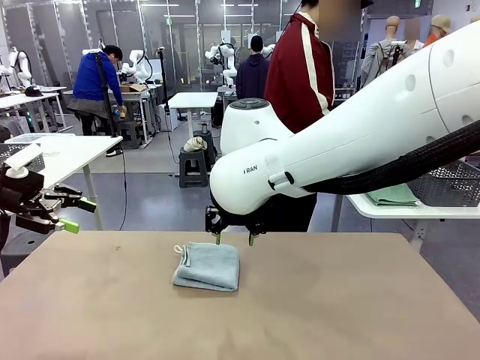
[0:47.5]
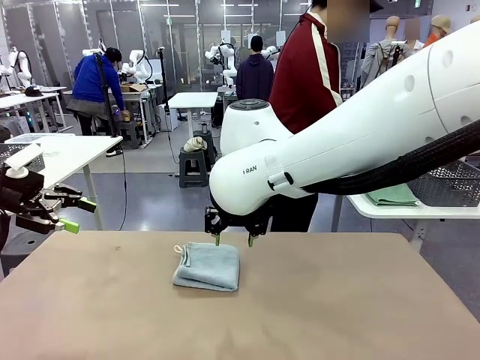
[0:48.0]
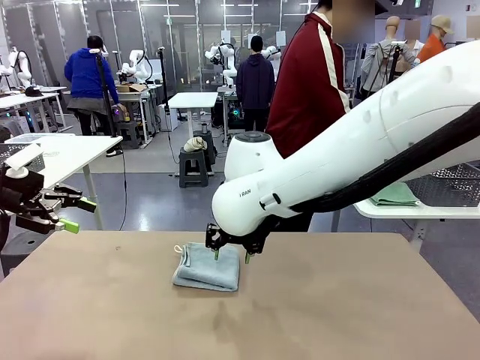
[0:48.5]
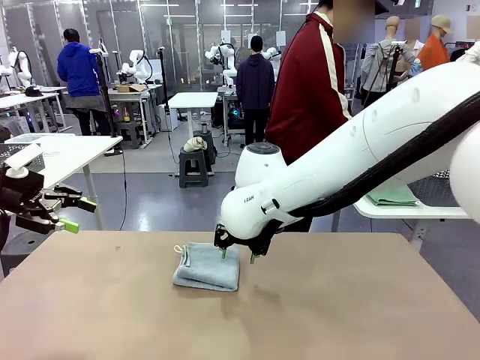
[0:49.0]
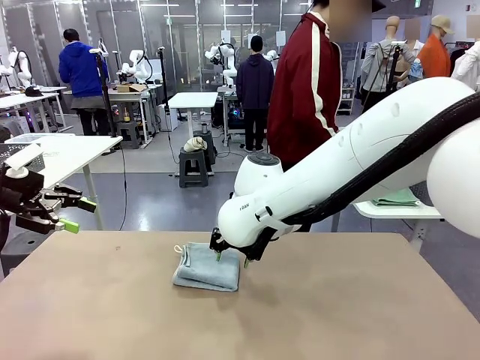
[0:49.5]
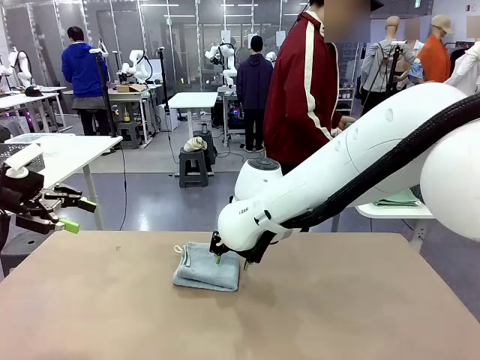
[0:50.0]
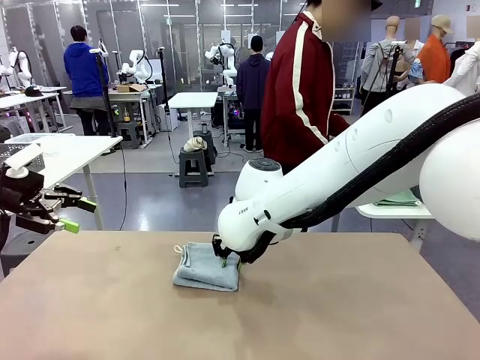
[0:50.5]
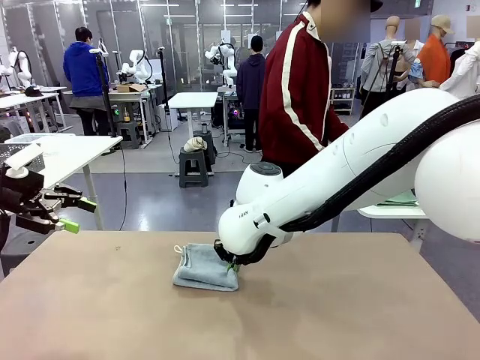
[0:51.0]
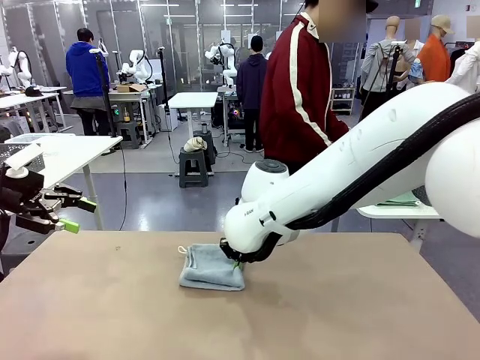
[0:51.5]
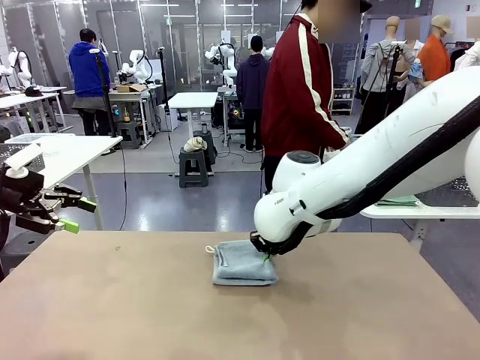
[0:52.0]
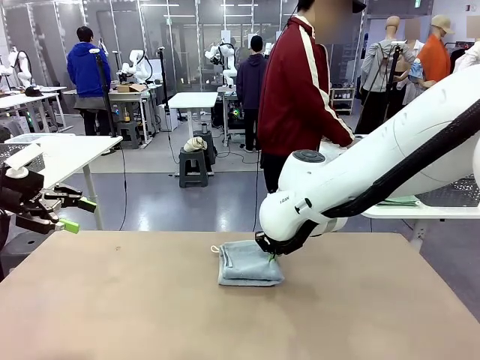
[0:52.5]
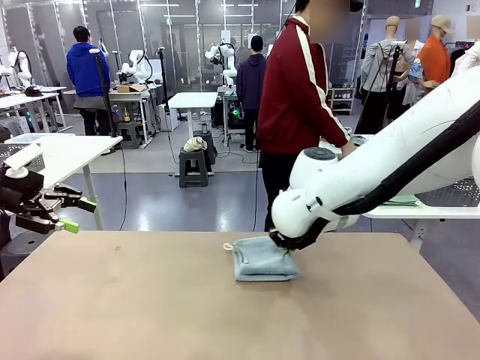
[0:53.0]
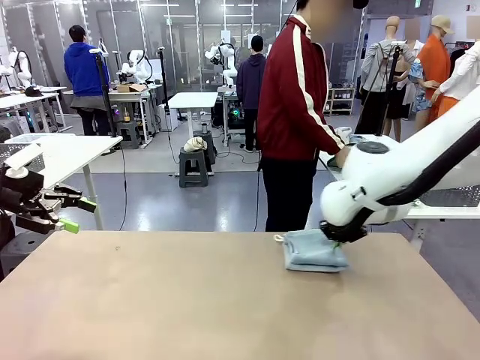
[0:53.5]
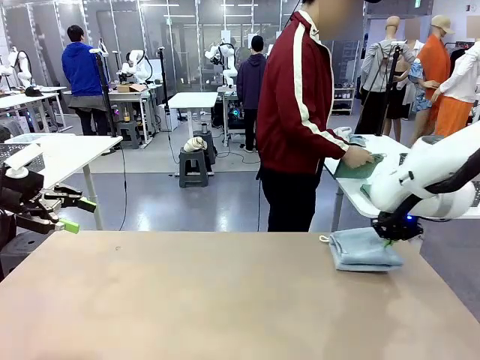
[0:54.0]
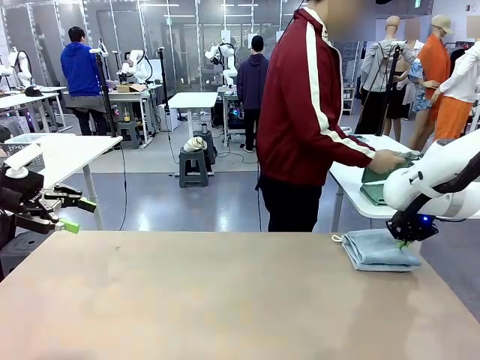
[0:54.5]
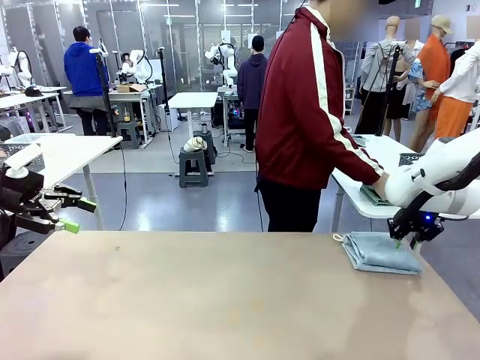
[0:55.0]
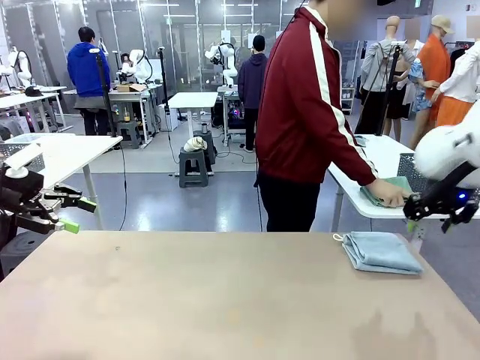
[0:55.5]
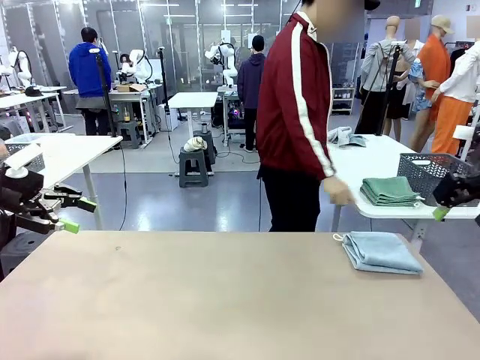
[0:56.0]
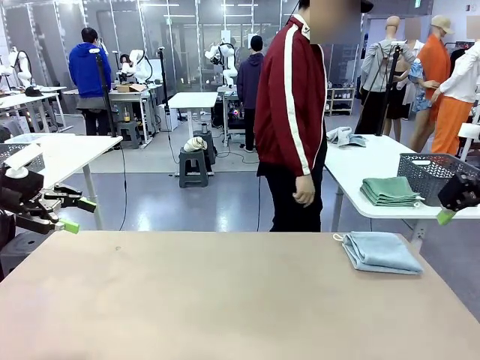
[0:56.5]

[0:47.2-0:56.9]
Task: Fold the towels and place them in the basket.
Robot: Place the folded Towel with hook on the right side of the table.

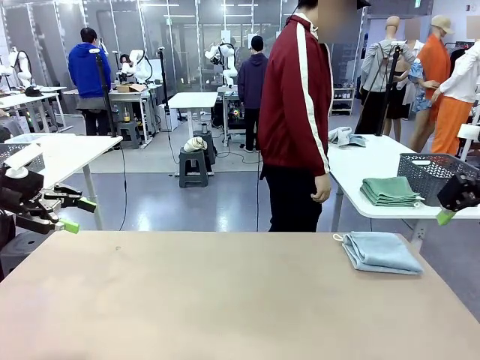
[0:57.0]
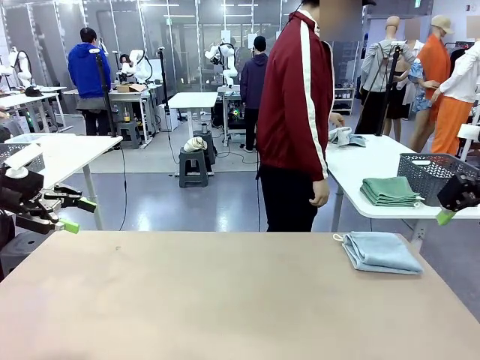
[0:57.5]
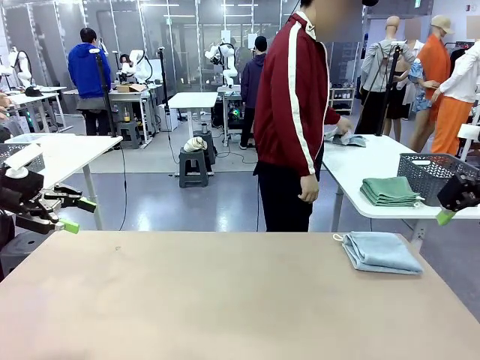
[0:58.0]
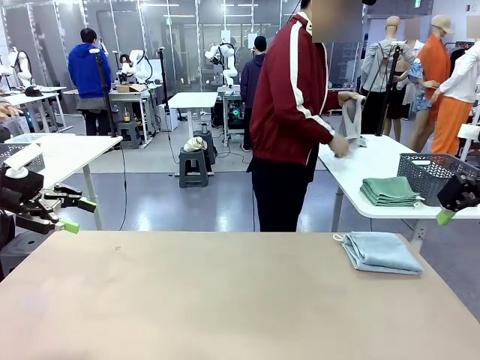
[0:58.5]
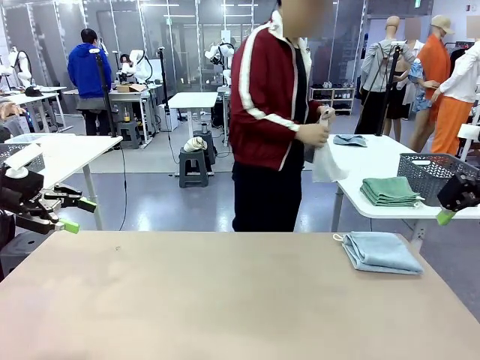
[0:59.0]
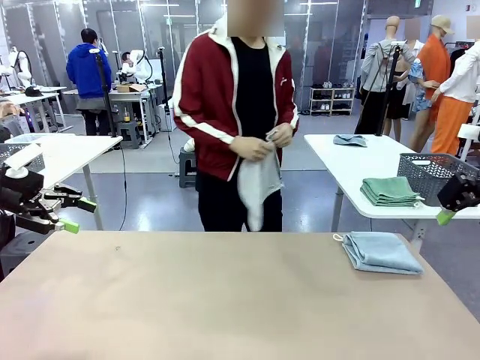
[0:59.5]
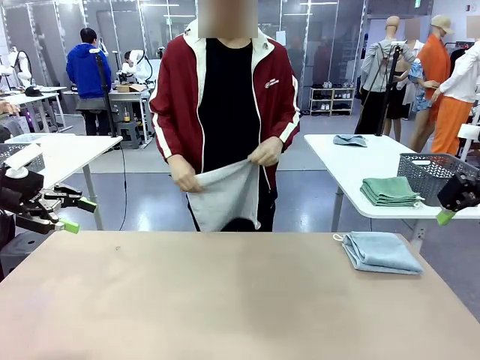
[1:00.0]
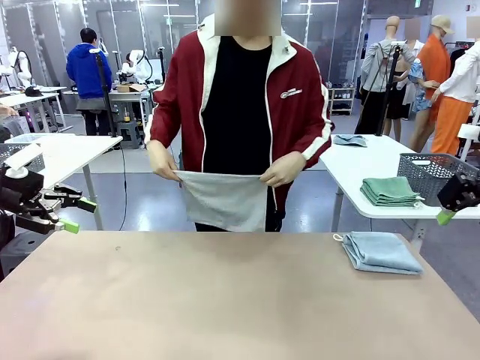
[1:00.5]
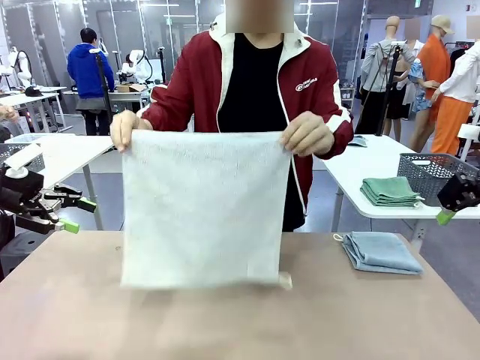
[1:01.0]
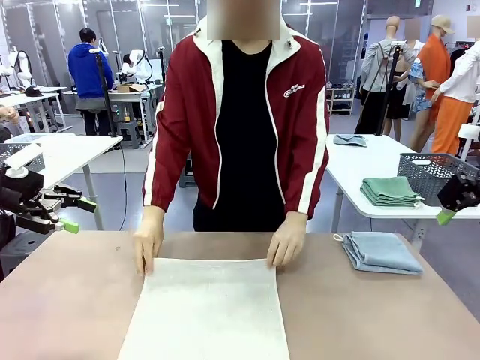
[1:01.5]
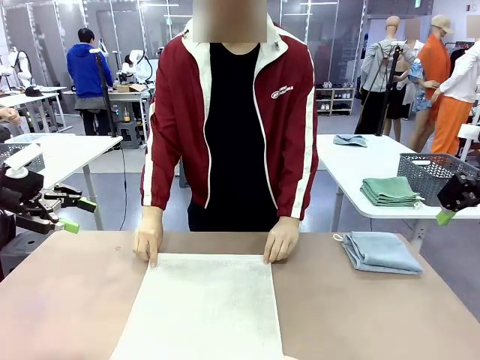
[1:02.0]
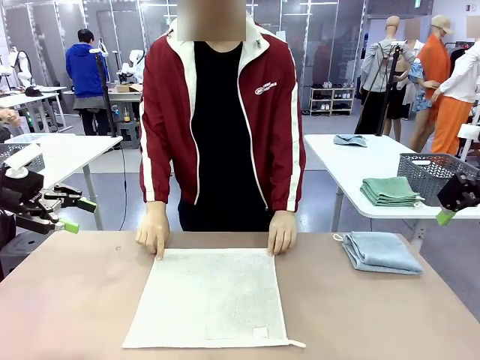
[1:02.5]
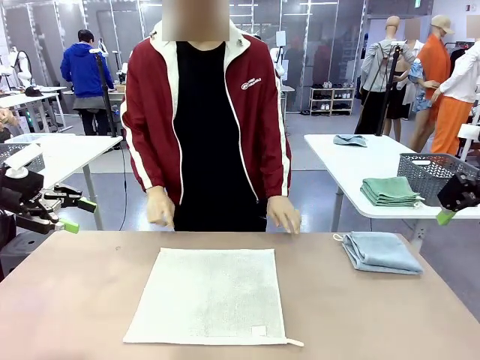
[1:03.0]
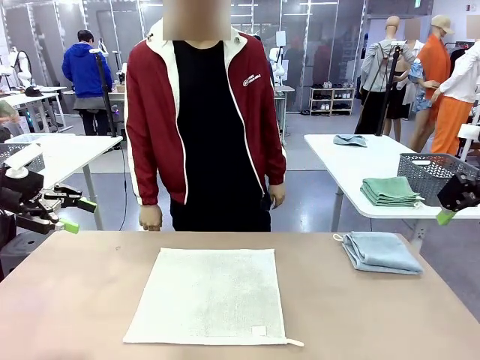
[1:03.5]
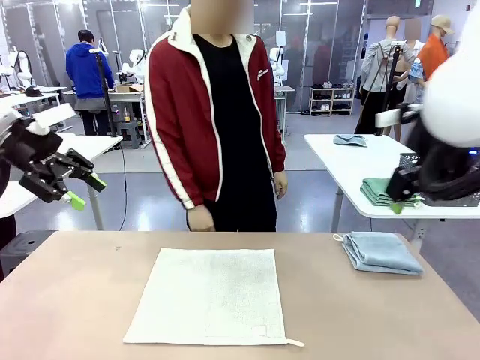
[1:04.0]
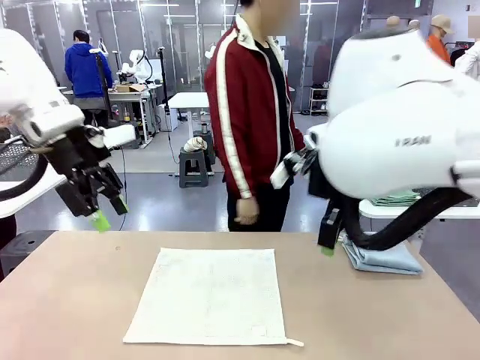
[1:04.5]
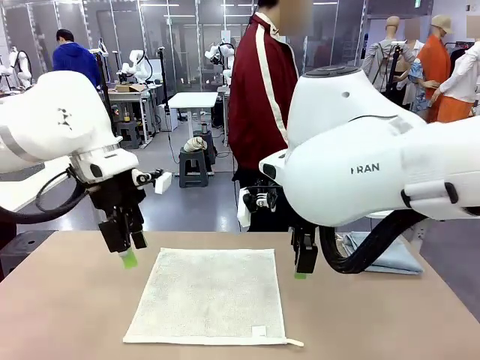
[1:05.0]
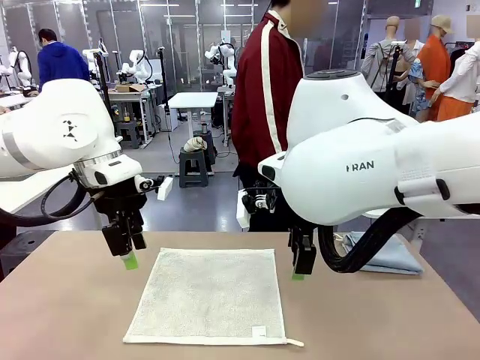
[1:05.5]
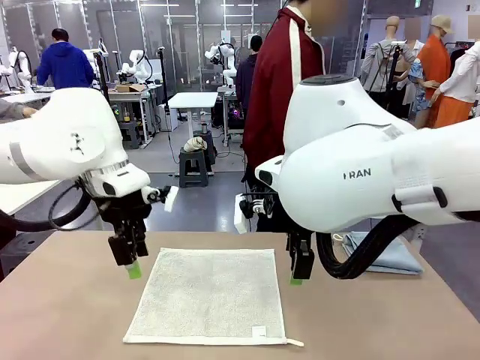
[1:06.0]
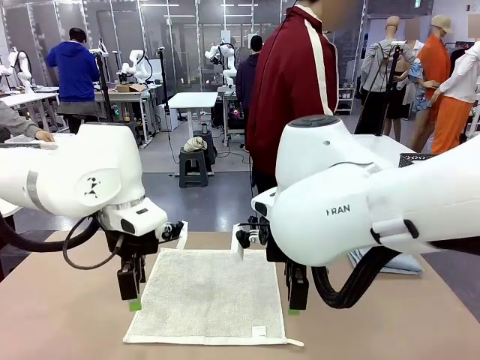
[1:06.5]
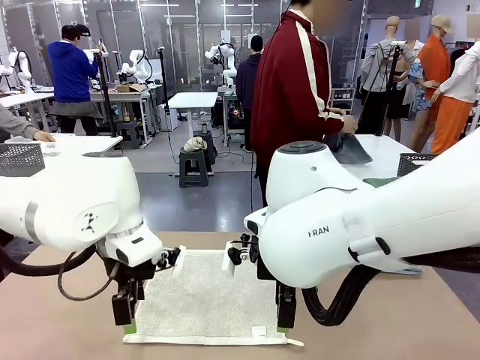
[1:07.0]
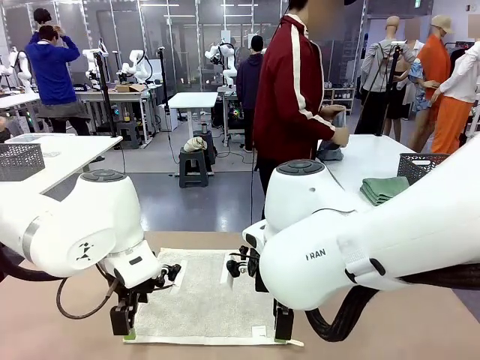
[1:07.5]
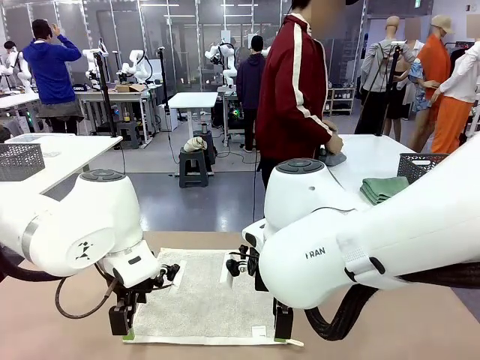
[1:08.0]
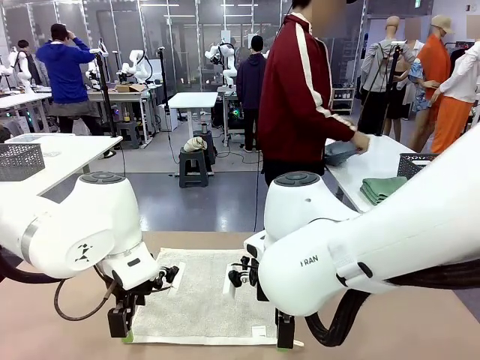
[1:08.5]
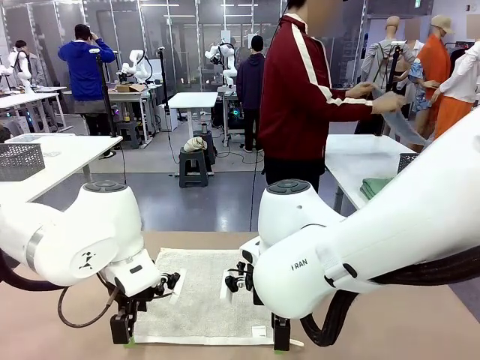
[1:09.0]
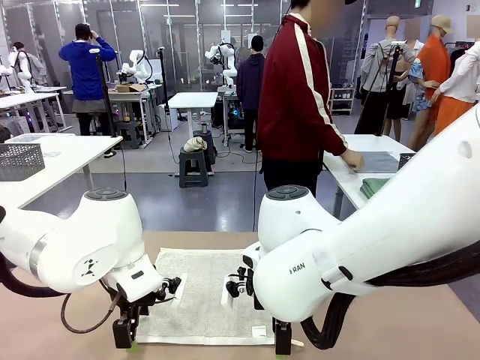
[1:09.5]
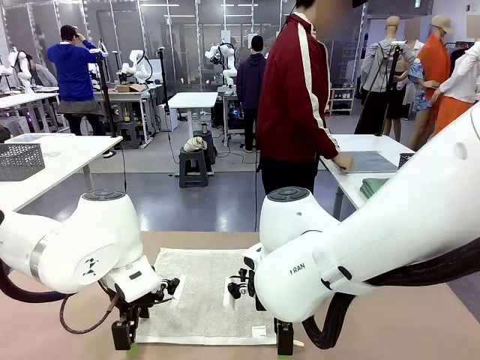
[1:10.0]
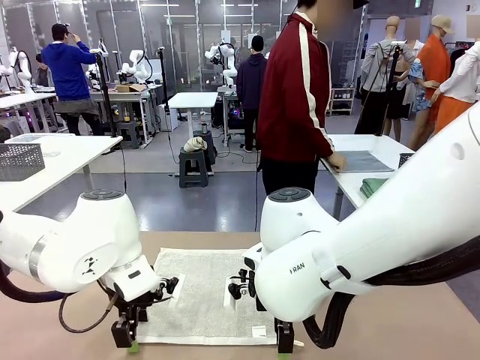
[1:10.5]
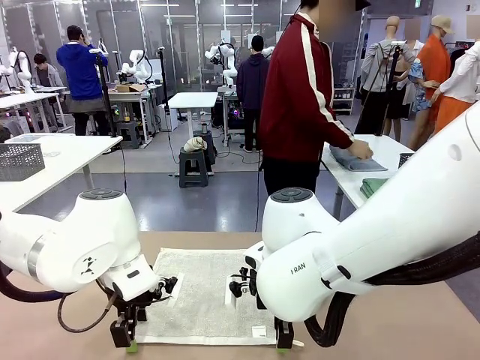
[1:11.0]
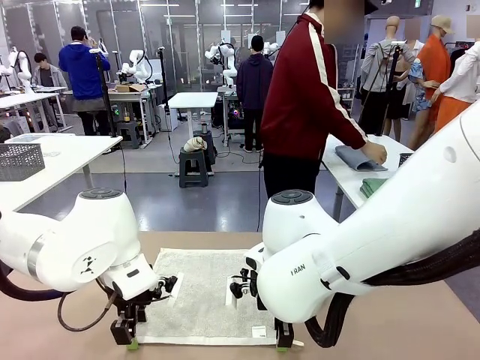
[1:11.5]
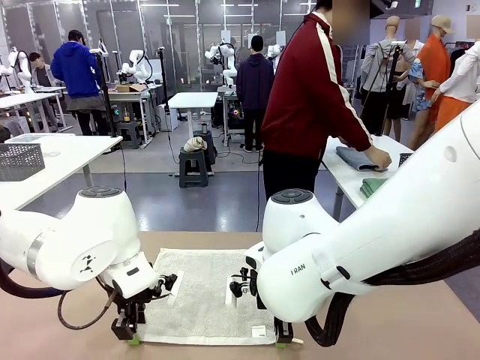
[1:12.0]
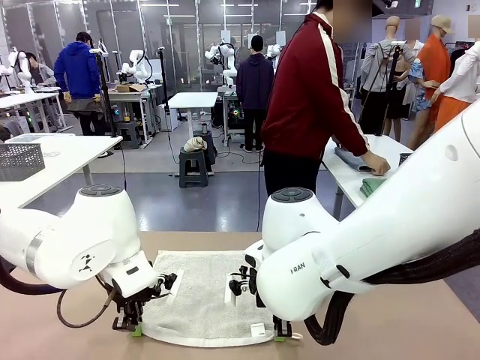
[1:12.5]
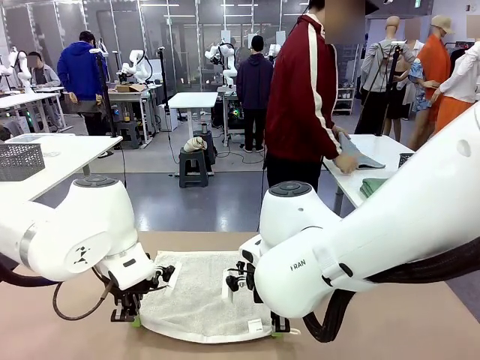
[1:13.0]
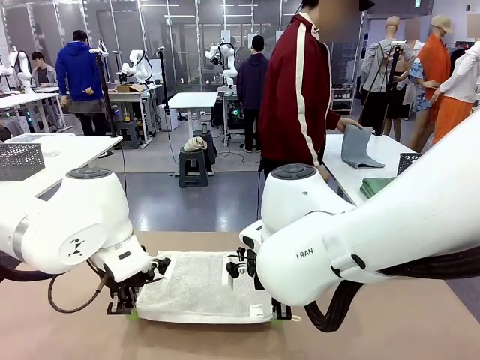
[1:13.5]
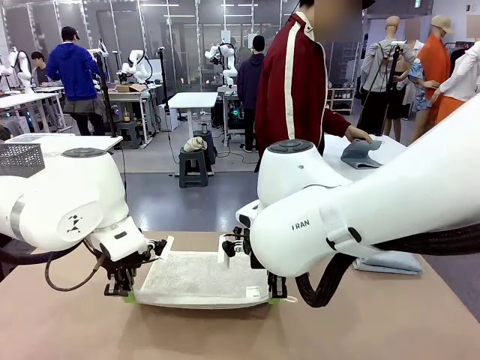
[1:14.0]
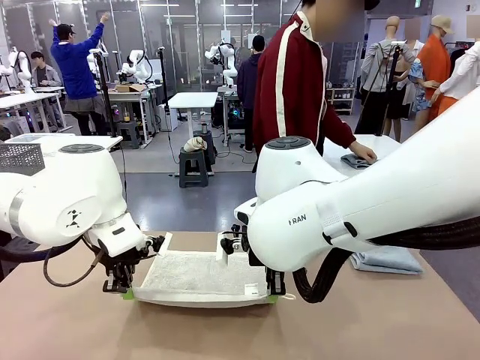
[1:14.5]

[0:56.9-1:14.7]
Robot: When a person lays out a Towel with hook on the table, fold it in half twice.
Person: Pick up one towel from the left side of the human table and spread it out at the center of the robot table. Pick up one towel from the left side of the human table, fold it in half twice, and stack it on the right side of the table.
